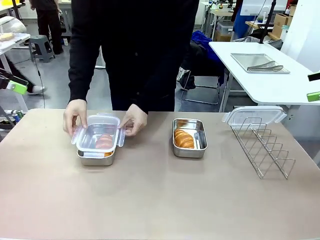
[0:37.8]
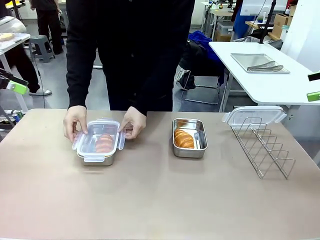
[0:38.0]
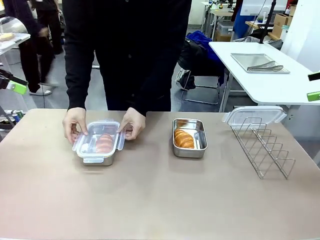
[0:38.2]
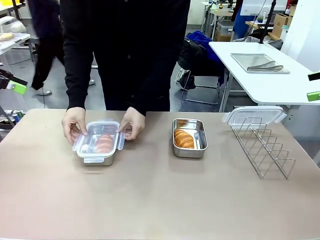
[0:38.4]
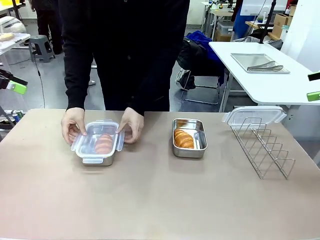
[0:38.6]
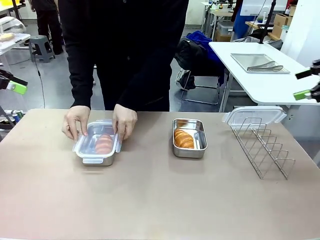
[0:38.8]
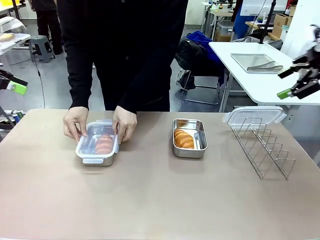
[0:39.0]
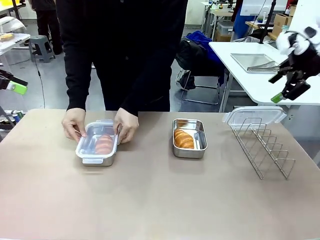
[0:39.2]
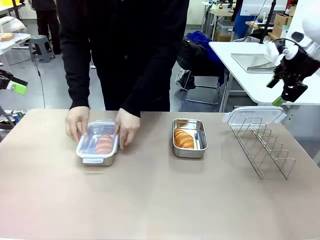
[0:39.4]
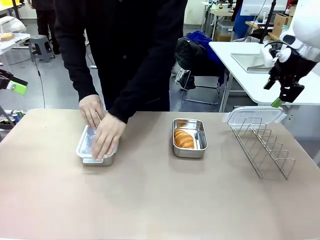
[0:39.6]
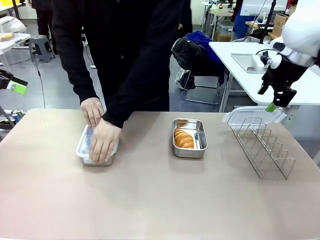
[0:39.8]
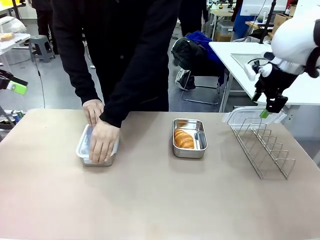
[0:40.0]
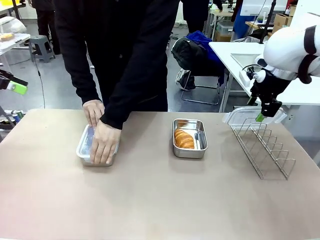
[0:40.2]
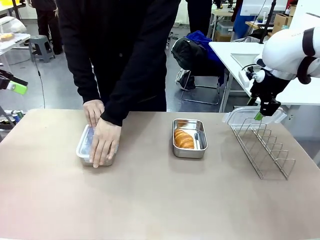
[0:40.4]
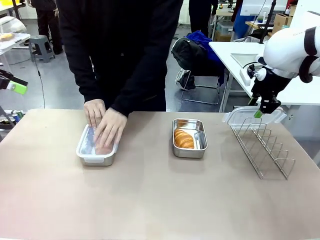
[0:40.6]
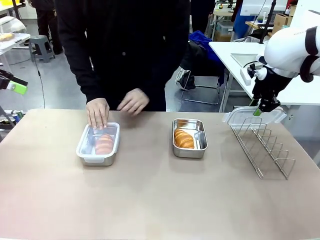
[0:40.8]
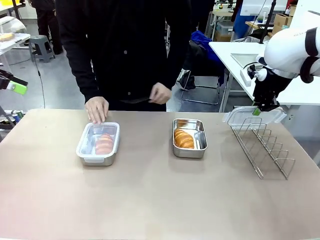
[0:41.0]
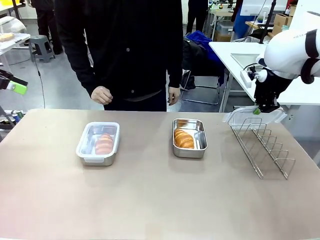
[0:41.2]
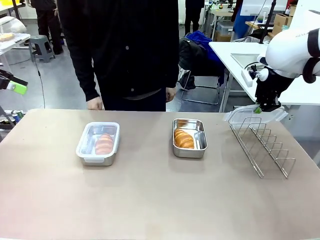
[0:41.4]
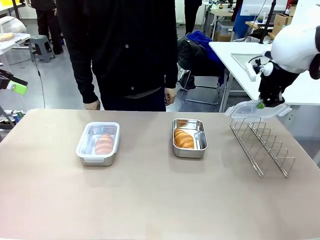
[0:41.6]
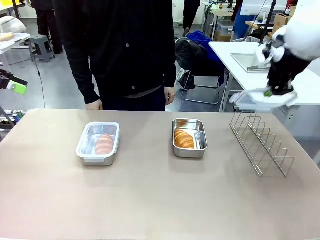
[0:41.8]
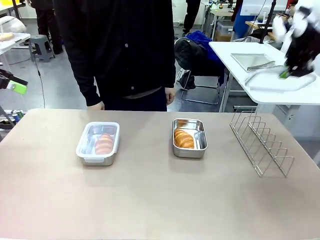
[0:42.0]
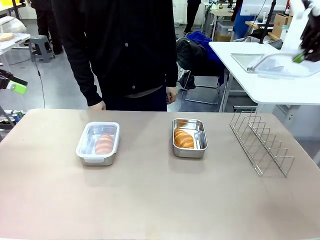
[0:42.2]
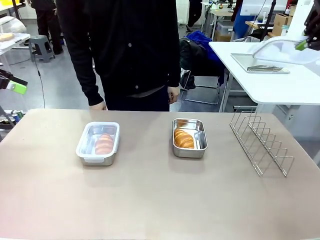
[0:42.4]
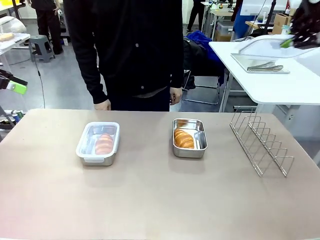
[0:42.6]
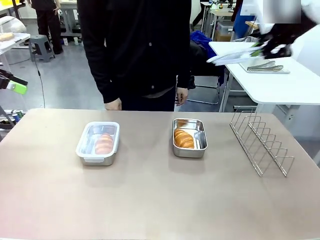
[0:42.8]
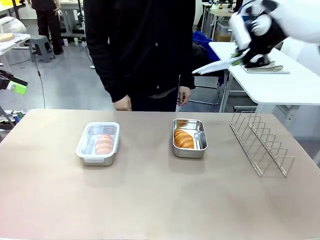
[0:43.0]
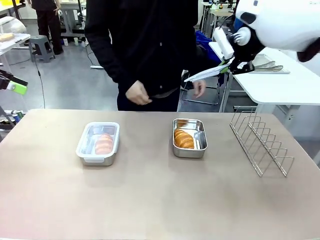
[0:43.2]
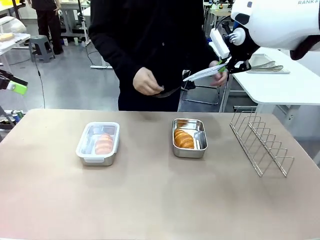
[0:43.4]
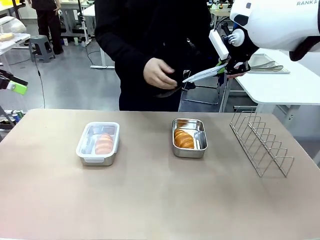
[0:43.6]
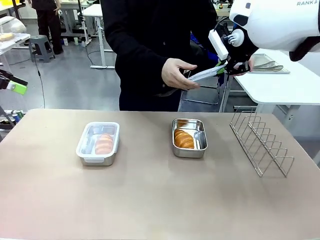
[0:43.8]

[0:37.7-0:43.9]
Task: Place the bread in airtight containers.
Robot: Pick up one Airtight Container lid and hand it to the human.
Person: Close Airtight Container with a handed Airtight Container lid. Grip Airtight Container lid that robot is handing.

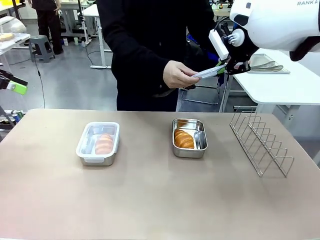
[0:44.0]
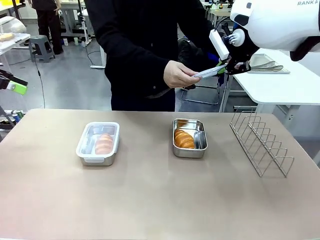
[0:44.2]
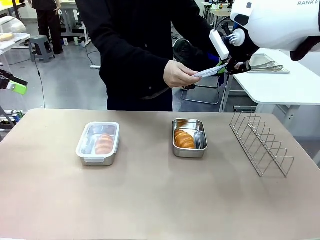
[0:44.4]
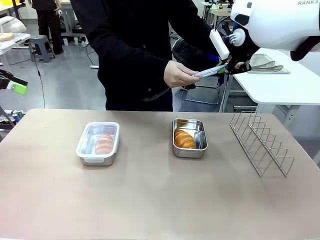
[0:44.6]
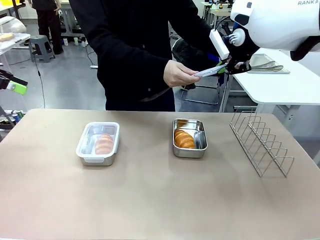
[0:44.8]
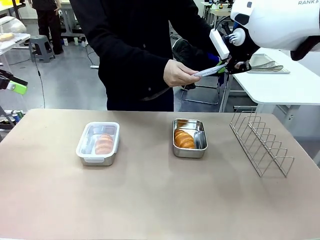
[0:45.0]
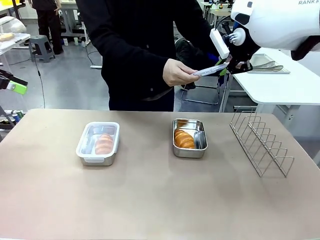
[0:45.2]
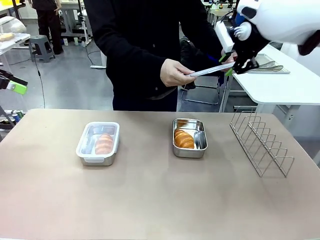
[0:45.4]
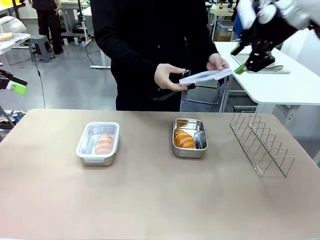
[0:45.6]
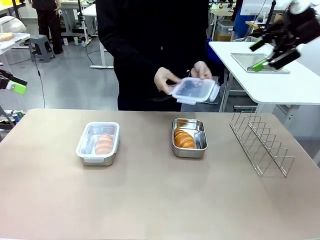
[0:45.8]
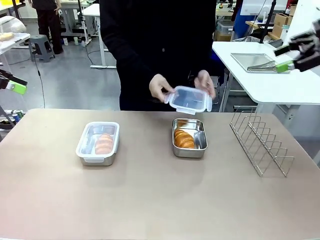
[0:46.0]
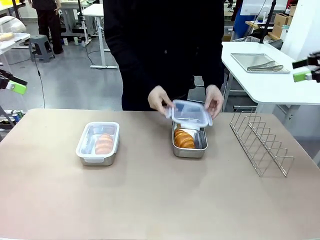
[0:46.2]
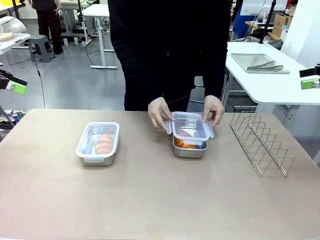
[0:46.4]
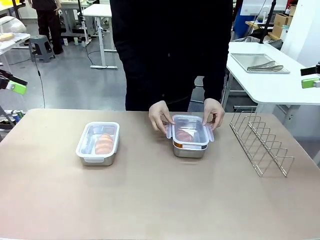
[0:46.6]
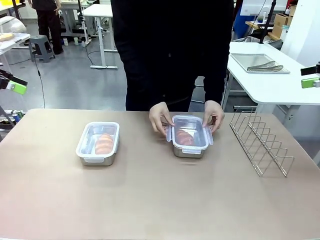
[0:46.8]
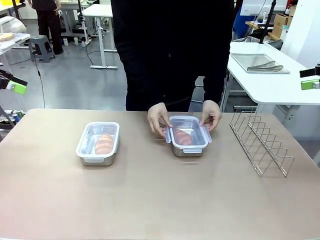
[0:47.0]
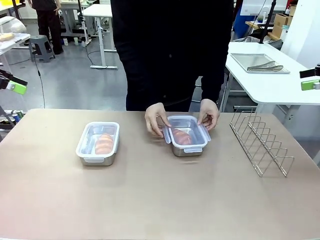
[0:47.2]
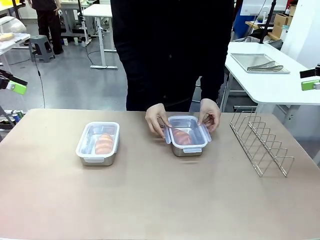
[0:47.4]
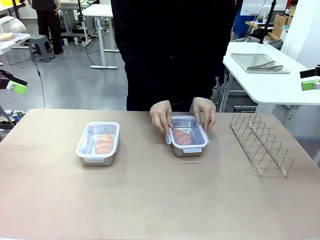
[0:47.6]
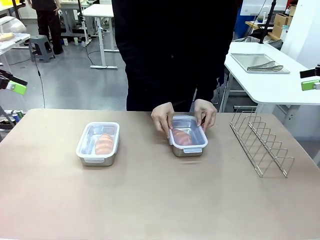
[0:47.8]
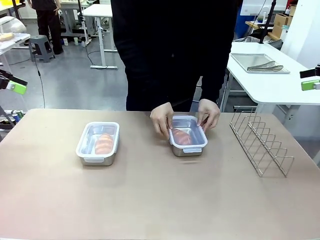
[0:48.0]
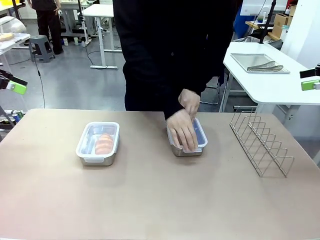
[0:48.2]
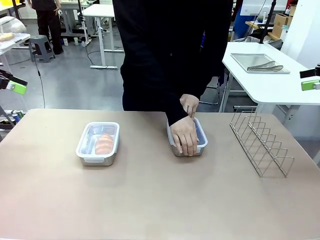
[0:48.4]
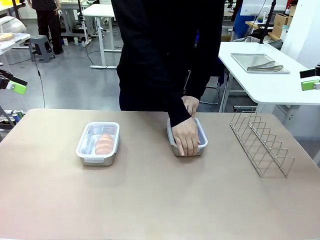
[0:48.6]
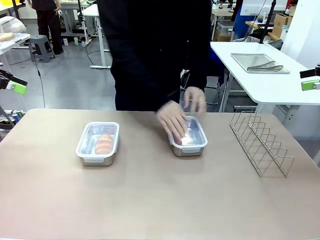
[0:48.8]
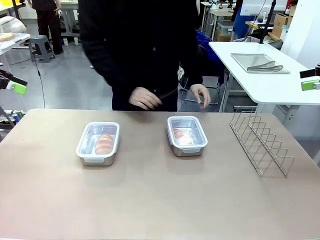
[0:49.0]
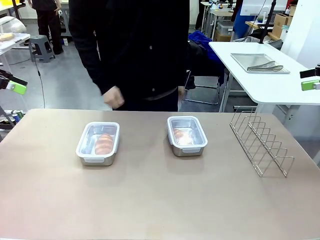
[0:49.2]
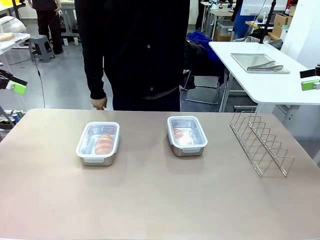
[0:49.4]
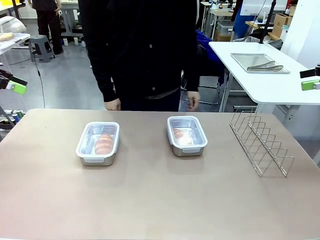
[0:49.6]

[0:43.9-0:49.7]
Robot: Release when the human grabs the Airtight Container lid.
Person: Close Airtight Container with a handed Airtight Container lid.

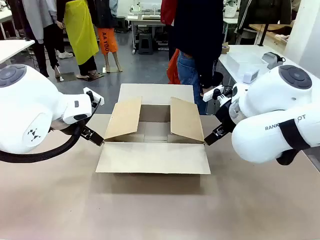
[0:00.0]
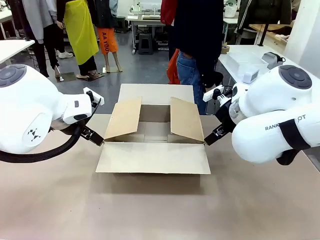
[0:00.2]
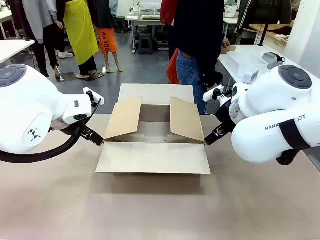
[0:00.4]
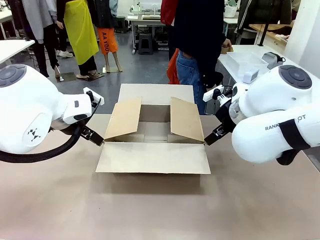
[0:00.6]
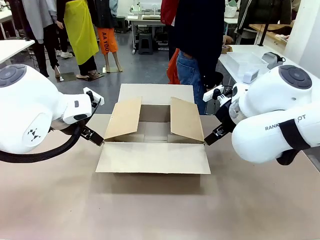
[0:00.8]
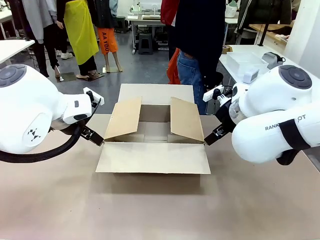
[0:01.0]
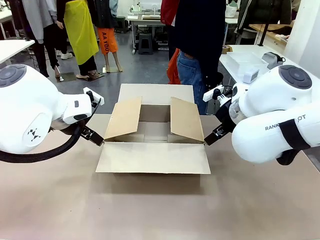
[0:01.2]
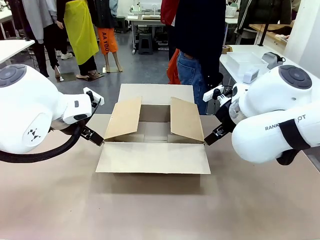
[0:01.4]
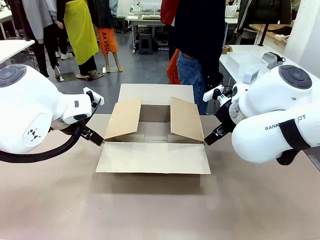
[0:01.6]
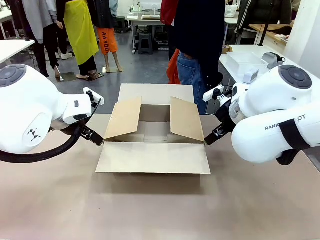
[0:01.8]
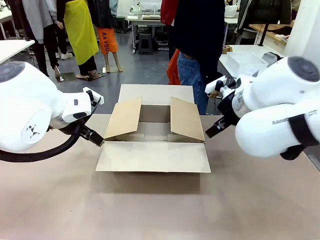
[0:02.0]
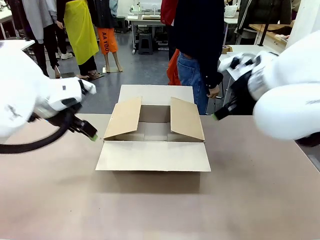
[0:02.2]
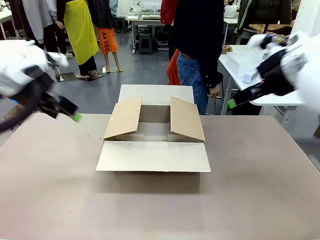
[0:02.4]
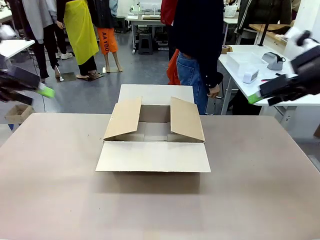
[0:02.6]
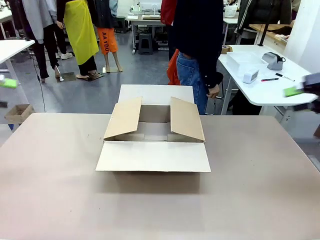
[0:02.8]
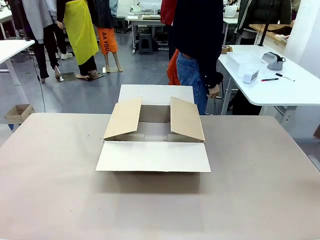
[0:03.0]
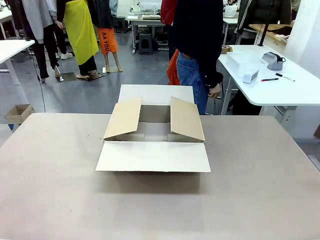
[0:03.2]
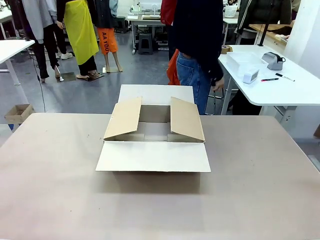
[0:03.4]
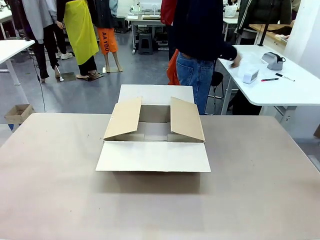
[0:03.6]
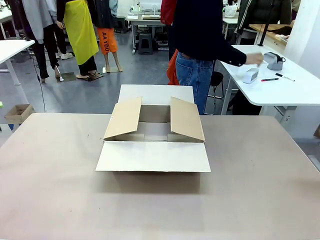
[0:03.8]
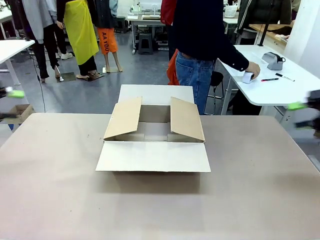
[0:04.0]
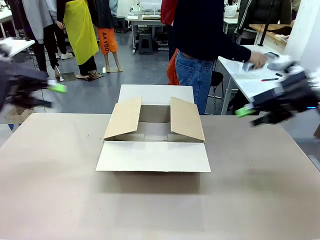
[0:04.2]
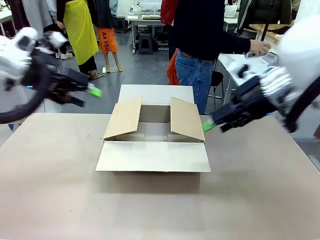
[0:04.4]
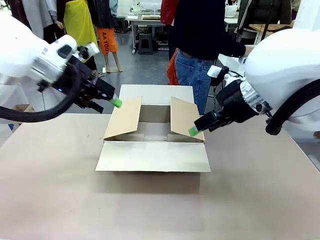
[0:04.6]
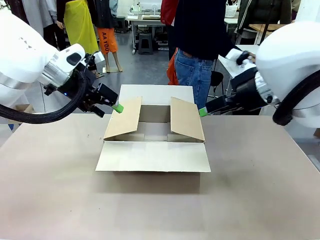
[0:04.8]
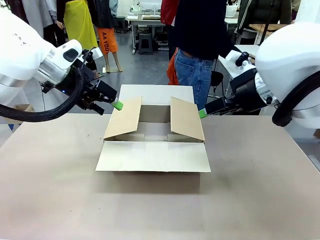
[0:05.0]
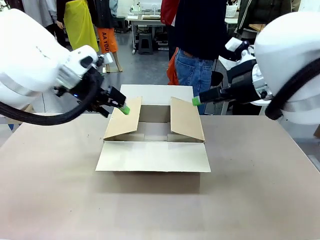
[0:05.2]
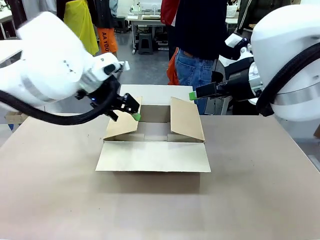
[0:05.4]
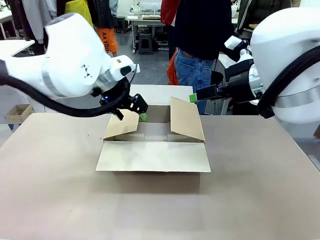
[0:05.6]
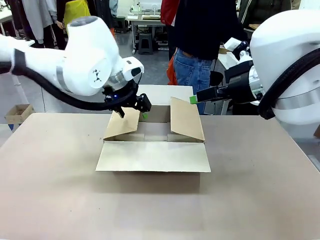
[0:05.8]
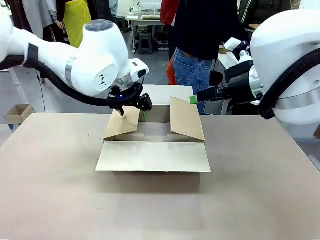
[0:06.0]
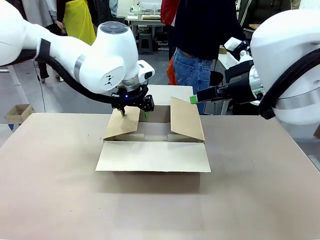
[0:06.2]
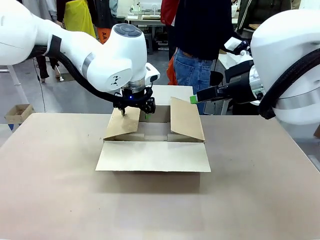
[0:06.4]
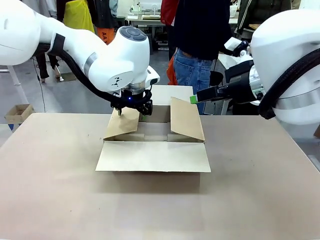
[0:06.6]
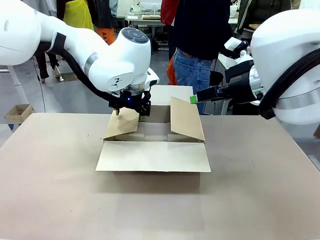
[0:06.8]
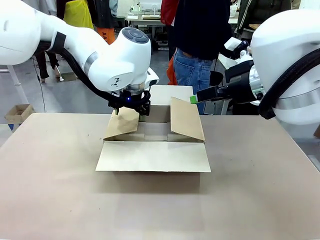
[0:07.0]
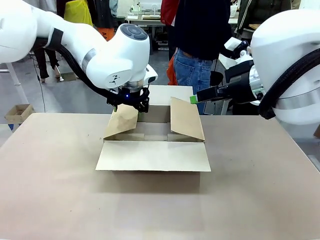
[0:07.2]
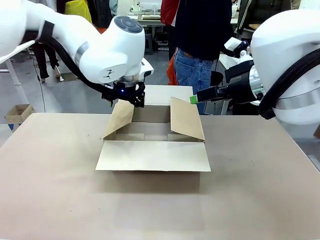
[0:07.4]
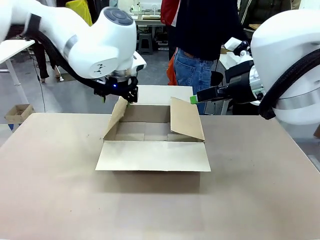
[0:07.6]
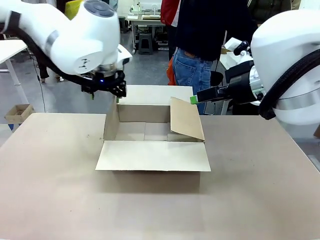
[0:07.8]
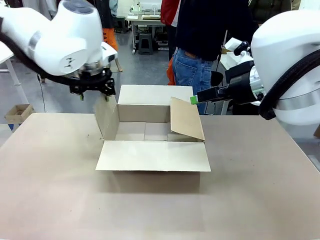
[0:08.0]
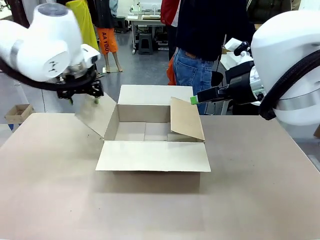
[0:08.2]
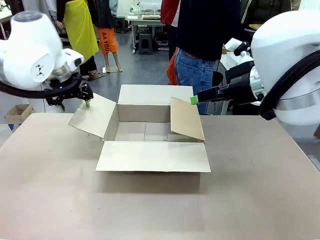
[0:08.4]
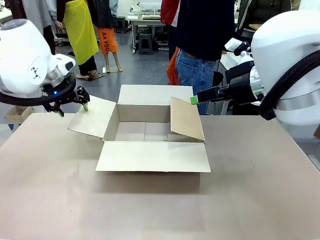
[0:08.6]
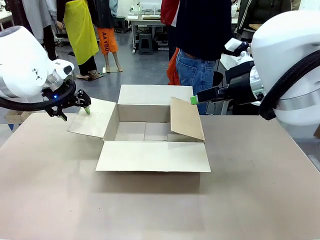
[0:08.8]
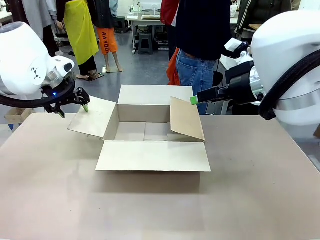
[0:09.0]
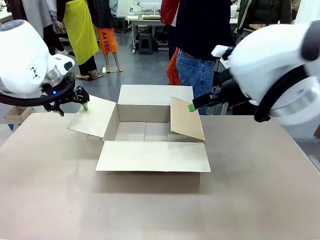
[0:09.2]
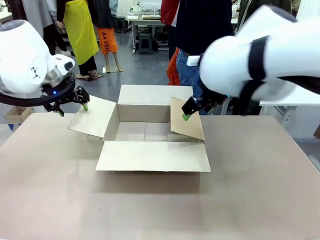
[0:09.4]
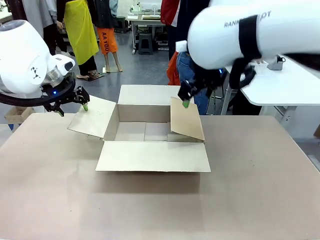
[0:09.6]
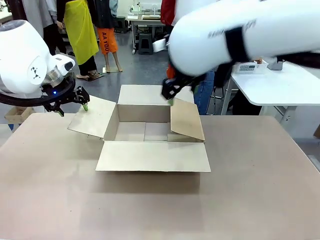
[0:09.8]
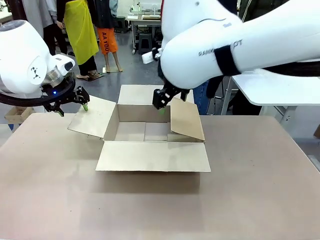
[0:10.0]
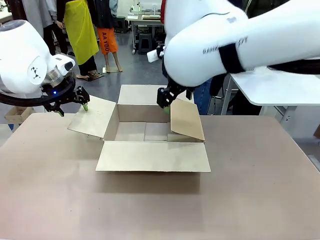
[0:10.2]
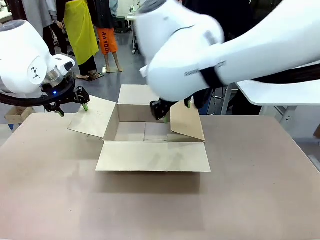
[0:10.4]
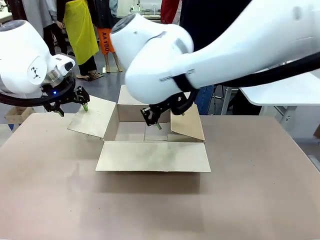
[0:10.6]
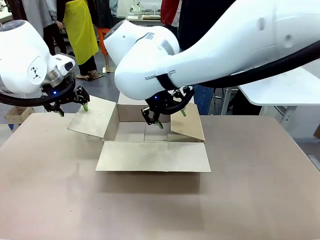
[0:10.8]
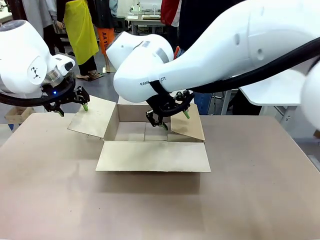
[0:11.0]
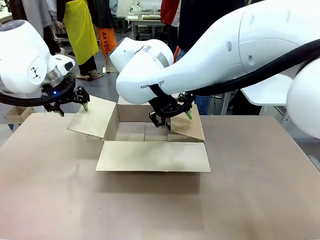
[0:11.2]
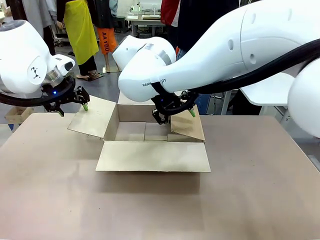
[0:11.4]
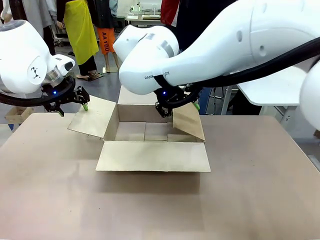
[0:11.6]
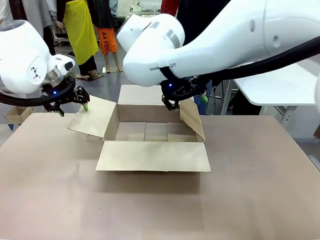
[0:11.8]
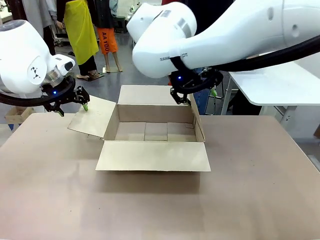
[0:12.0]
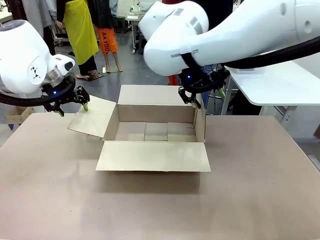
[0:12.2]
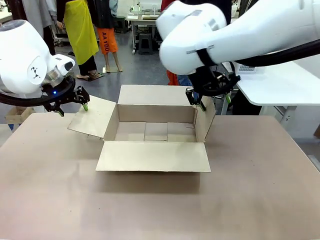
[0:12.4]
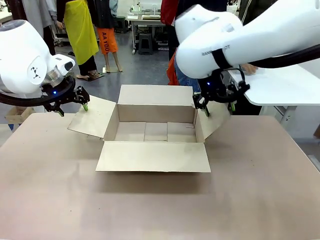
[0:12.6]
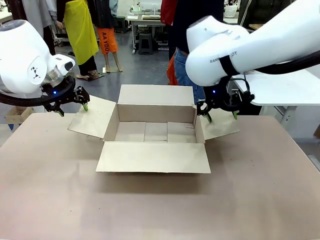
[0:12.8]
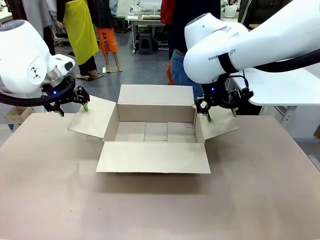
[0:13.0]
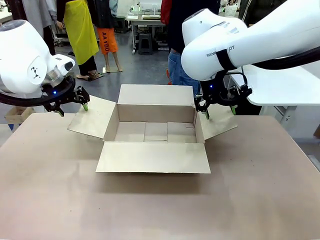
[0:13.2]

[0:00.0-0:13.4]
Task: Pack the gift set into the box.
Robot: Place both hands on the side flaps of the Package Box and spread them outward.
Person: The human places all items except the paper tape into the organizing basket.
